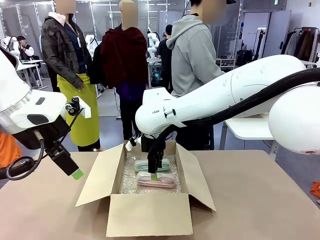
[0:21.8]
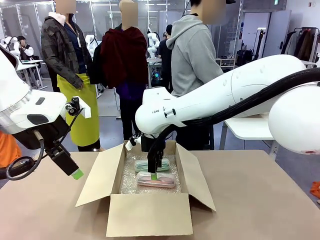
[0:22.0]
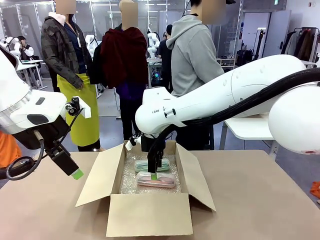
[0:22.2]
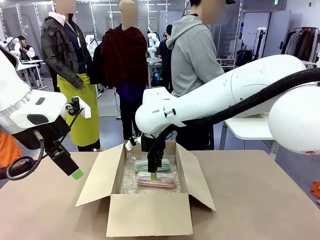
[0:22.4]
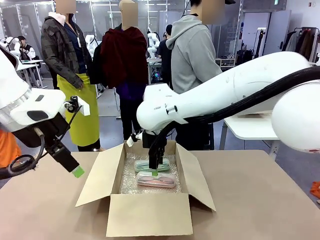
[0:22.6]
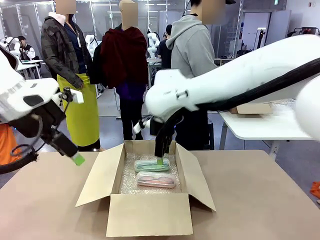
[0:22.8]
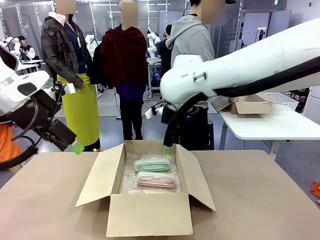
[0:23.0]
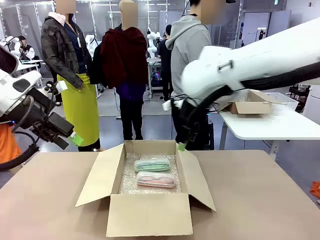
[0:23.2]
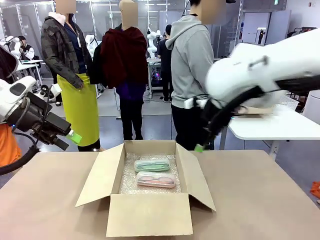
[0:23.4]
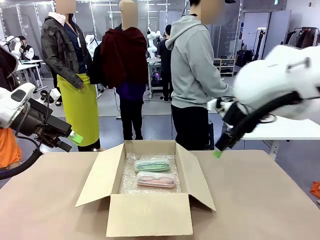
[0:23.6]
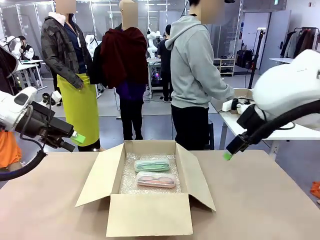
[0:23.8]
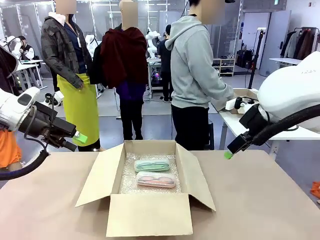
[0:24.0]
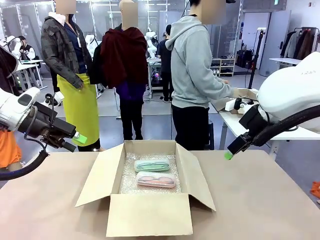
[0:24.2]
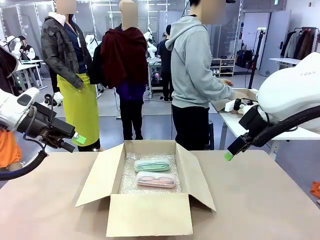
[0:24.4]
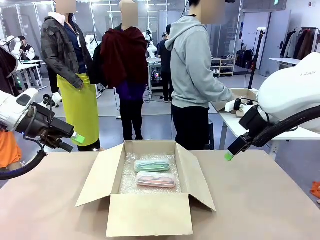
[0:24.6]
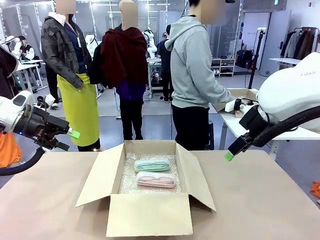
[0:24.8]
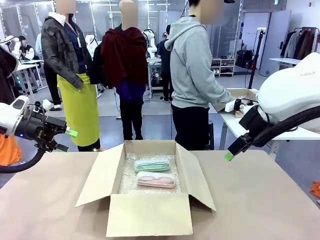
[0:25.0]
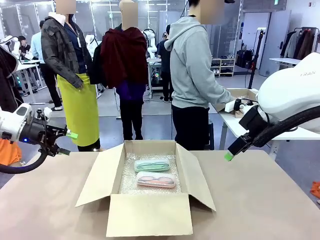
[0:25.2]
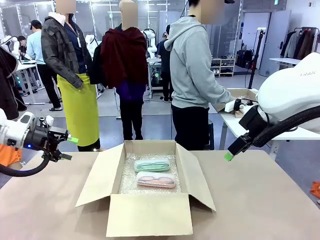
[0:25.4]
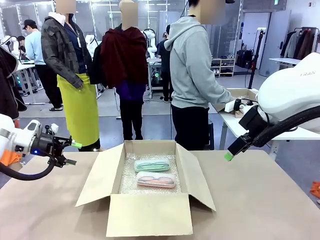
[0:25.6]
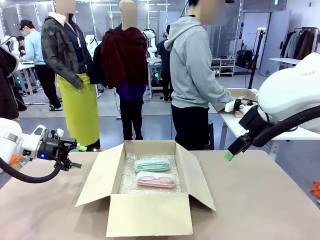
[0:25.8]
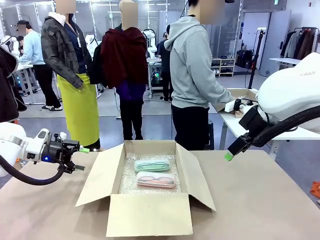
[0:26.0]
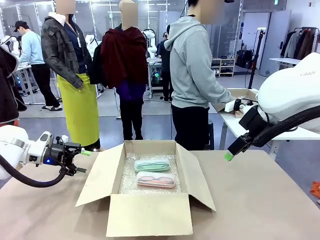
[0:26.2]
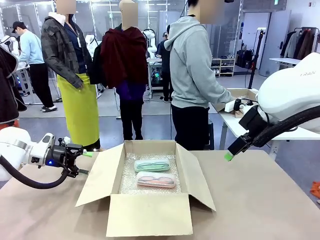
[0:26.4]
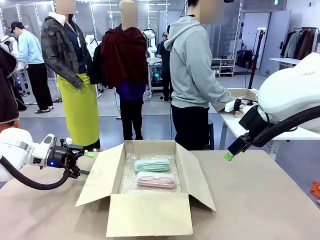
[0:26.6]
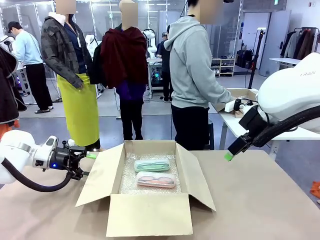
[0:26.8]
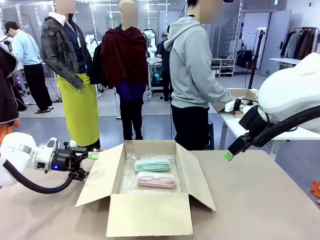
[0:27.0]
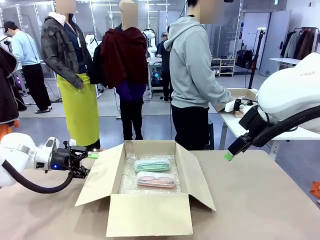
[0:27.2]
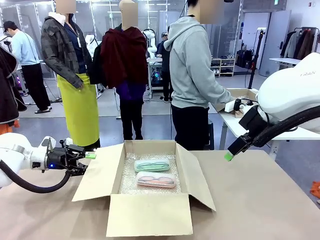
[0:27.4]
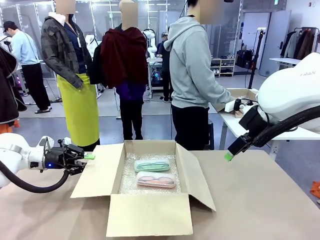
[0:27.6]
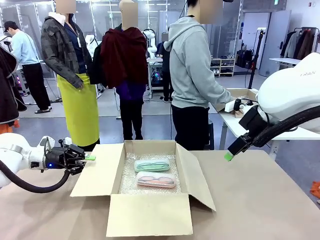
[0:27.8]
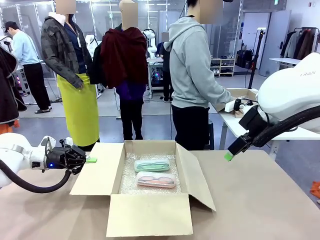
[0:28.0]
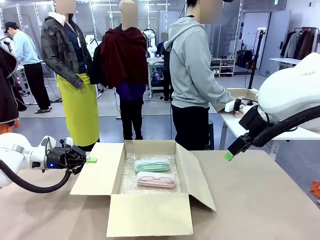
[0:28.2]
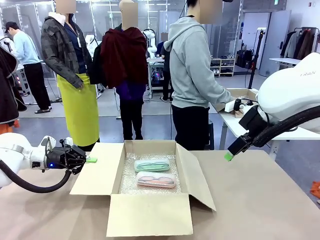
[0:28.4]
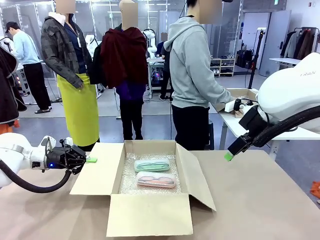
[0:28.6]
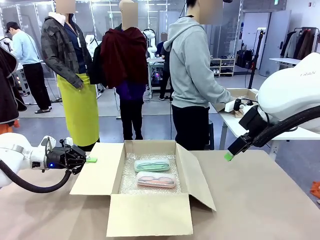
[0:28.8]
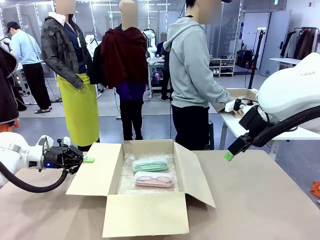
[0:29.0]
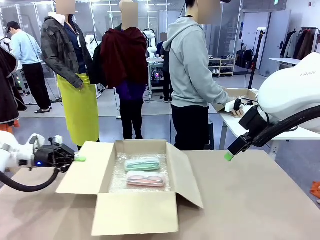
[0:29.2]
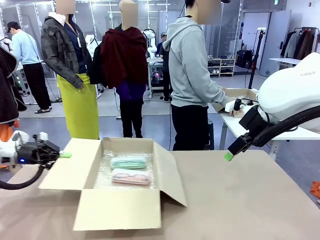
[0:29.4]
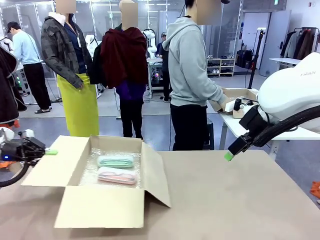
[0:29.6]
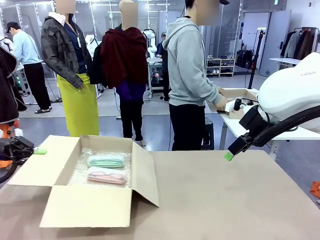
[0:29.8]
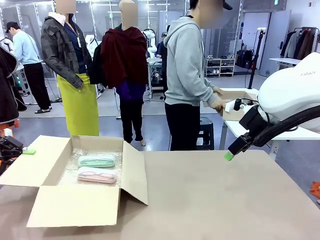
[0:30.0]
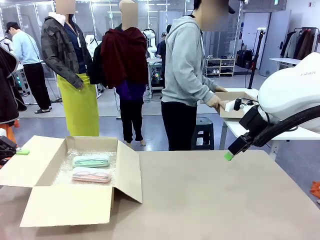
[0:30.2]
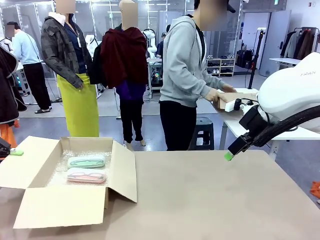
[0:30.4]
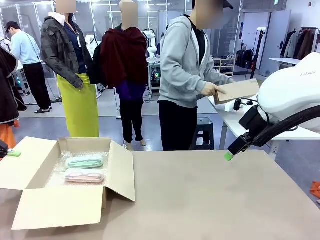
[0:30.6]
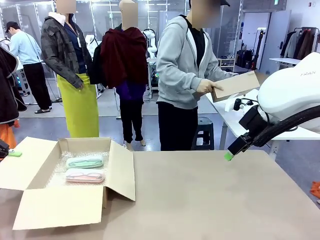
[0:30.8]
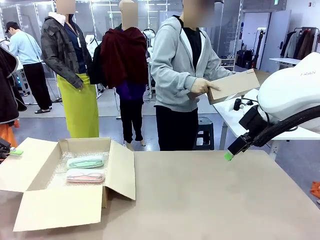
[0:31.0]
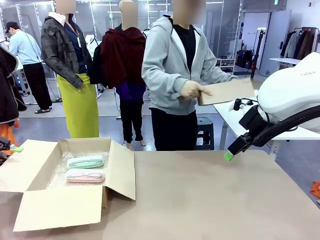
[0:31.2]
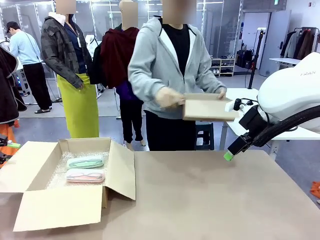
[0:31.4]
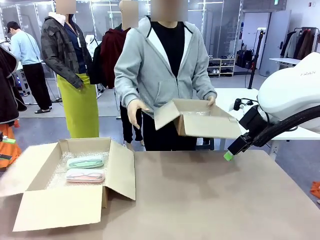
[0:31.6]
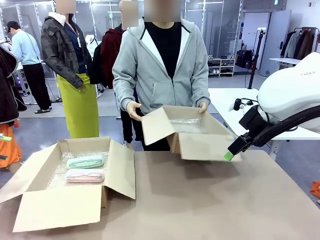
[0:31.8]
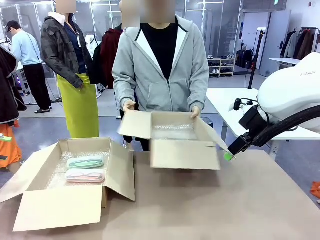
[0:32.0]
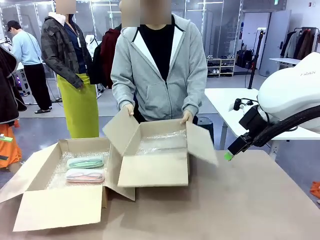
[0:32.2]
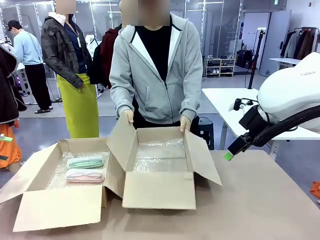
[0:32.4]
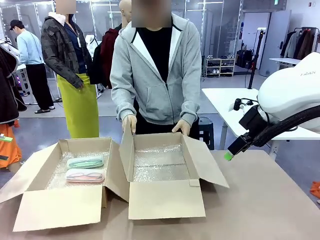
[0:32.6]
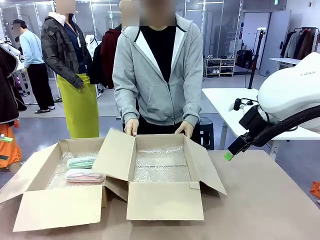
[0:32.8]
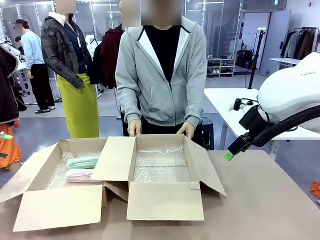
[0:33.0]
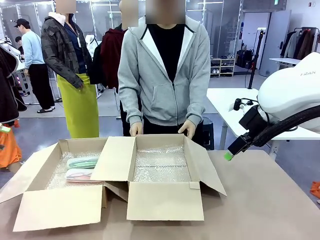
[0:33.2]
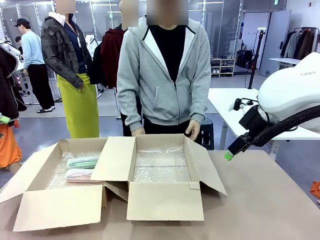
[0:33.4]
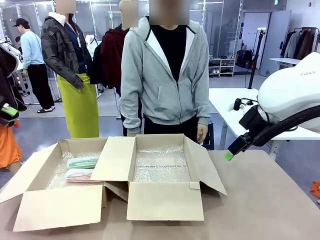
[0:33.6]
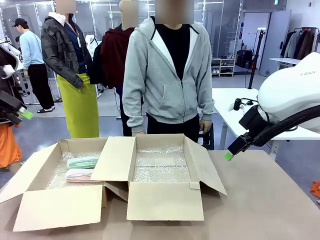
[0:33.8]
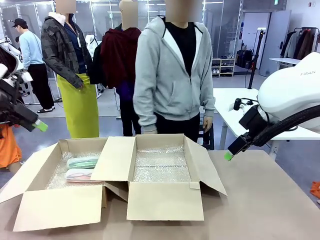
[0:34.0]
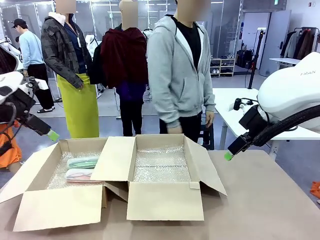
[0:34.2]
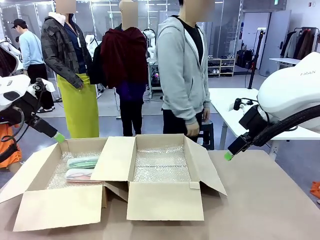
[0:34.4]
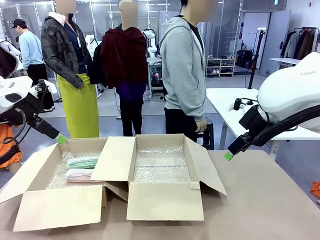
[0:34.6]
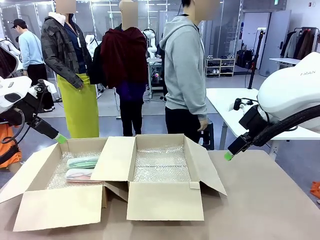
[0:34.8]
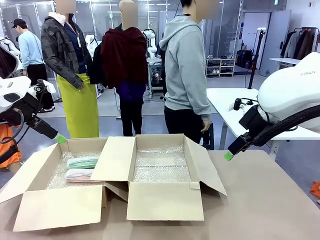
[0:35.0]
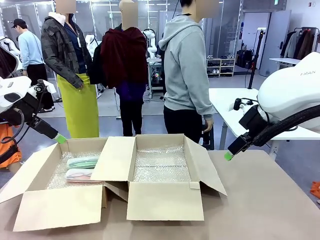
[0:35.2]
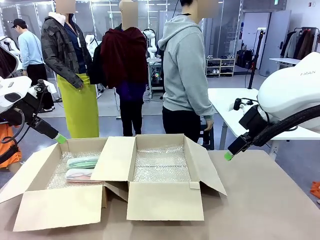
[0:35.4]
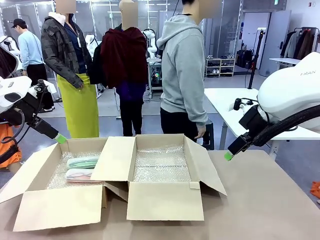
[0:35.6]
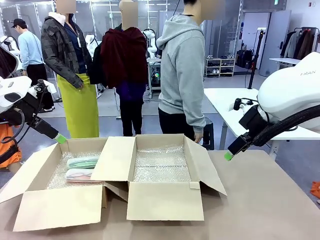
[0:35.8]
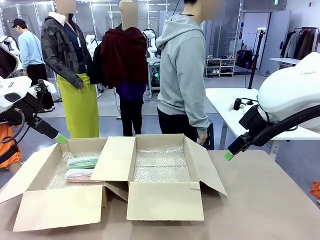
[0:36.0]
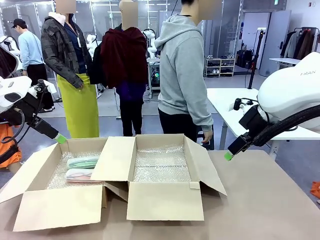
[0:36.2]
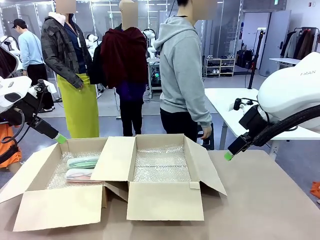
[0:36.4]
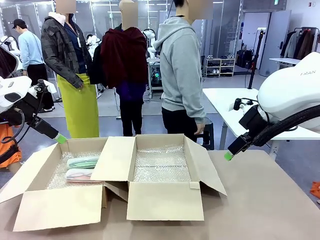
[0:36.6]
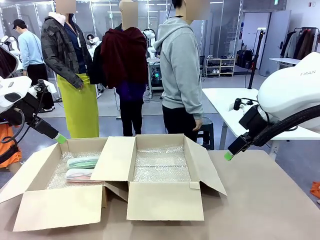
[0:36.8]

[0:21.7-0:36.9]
Task: Pack the glasses set securely to prepare it for shipping.
Robot: Position the Package Box on the left side of the table.
Person: Position the empty Package Box in the middle of the robot's table.
